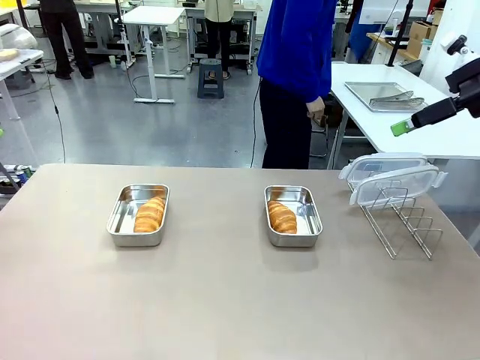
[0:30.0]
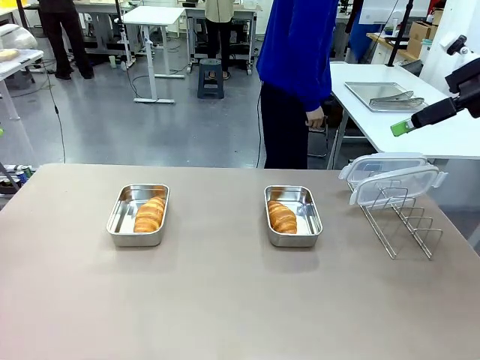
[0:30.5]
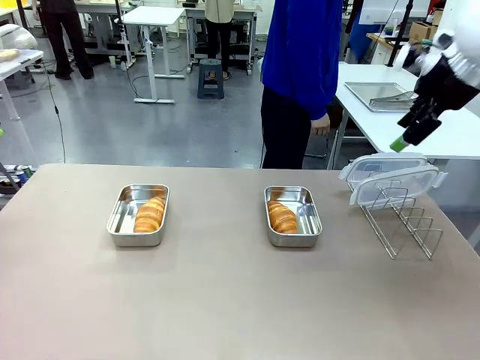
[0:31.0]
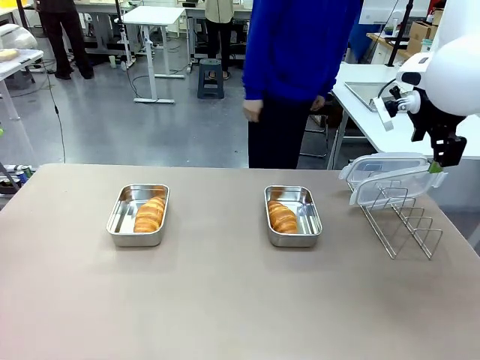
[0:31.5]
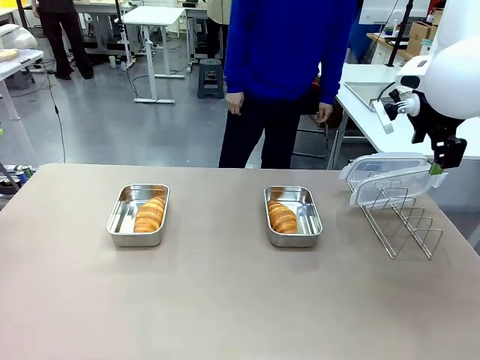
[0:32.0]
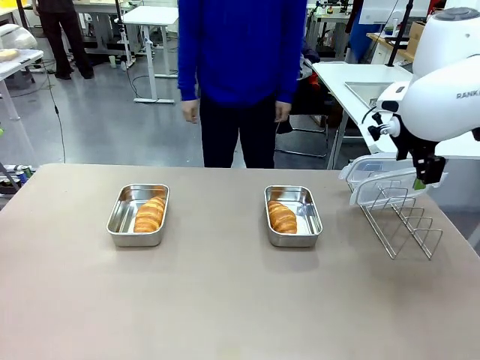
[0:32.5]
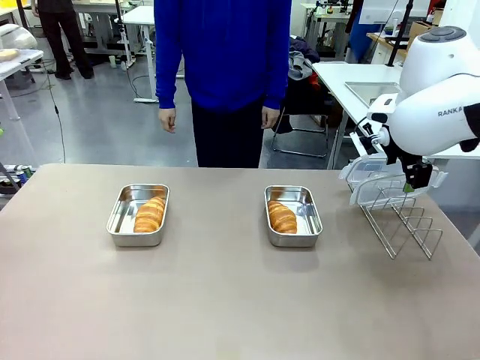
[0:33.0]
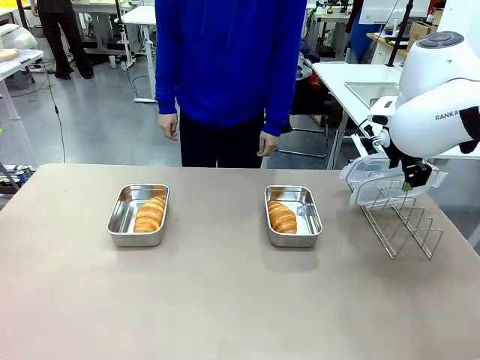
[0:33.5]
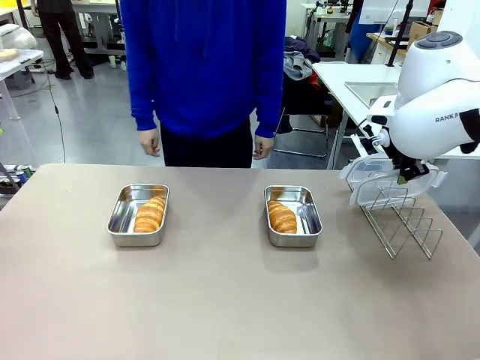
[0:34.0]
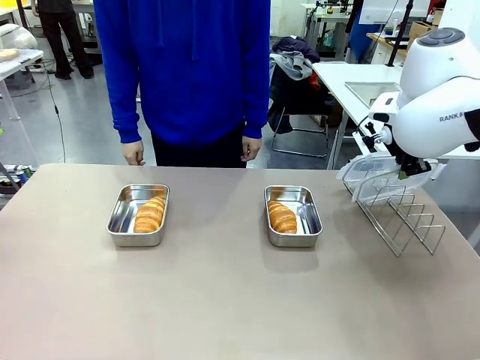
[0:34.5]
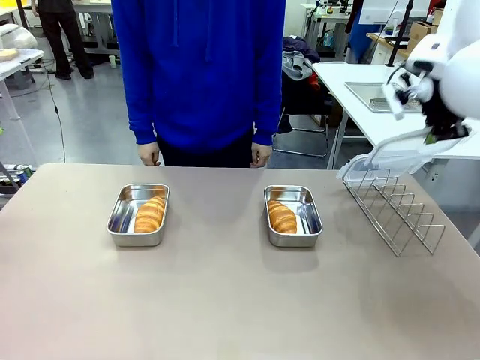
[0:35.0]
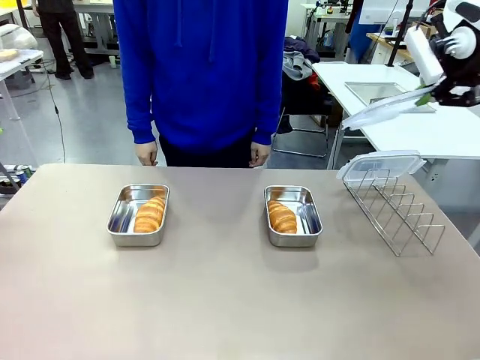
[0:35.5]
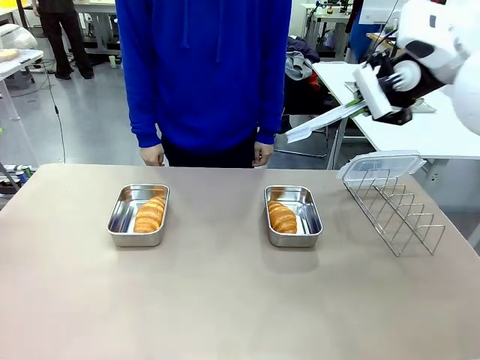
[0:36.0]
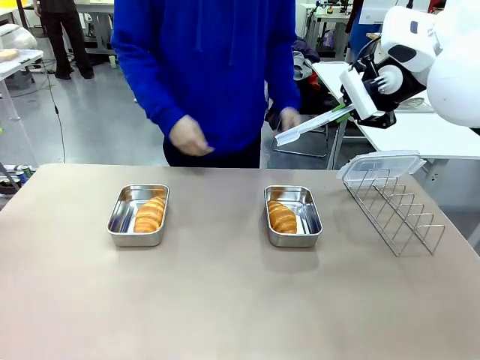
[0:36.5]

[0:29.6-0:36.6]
Task: Place the bread in airtight containers.
Robot: Pick up one Airtight Container lid and hand it to the human.
Person: Grip Airtight Container lid that robot is handing.

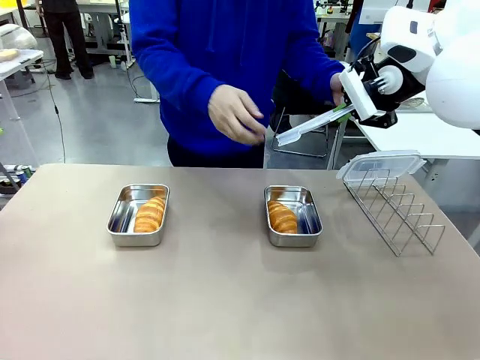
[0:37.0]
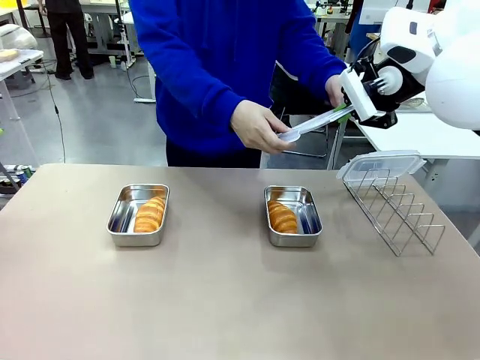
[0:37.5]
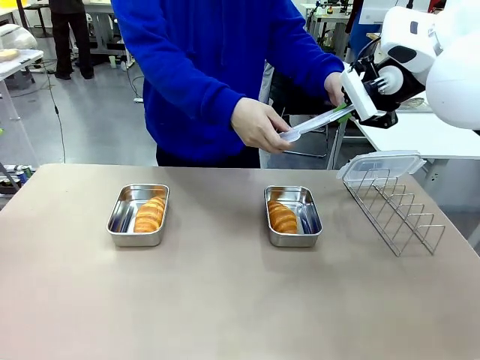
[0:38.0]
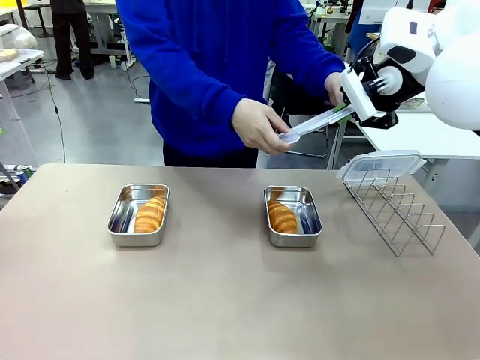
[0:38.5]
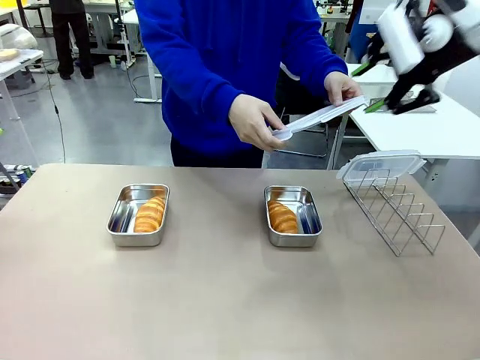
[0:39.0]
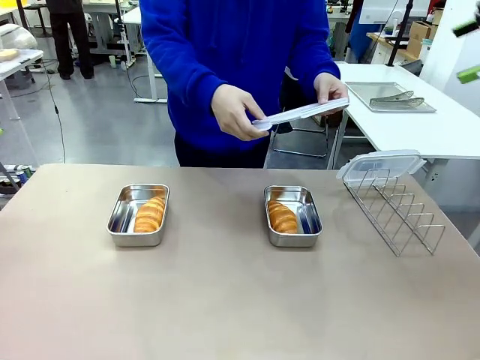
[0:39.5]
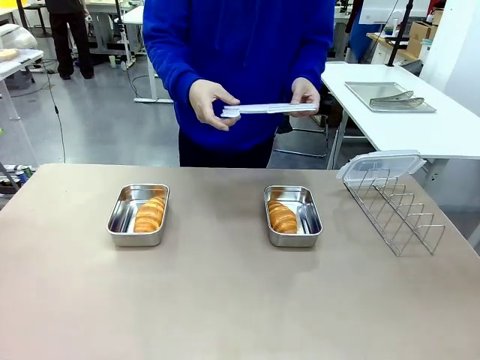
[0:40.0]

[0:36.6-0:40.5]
Robot: Release when the human grabs the Airtight Container lid.

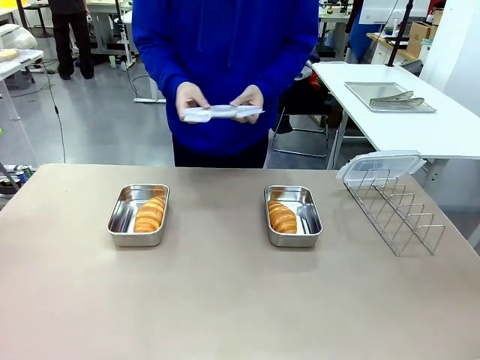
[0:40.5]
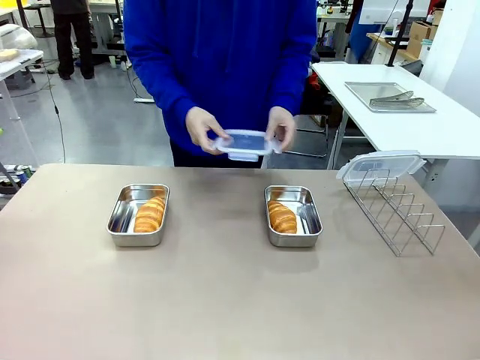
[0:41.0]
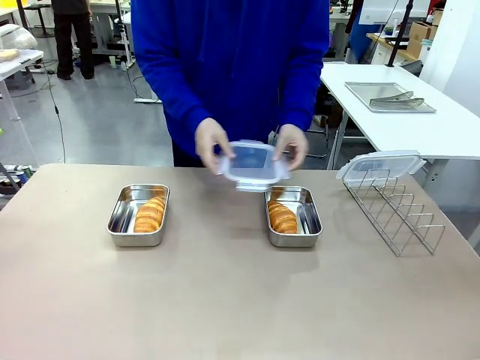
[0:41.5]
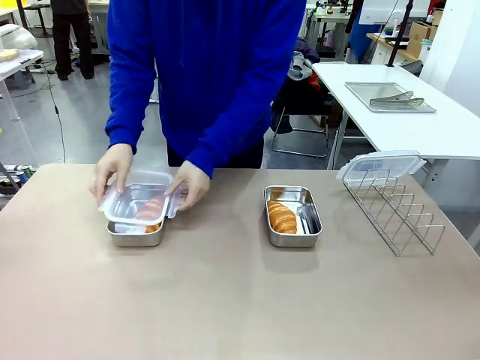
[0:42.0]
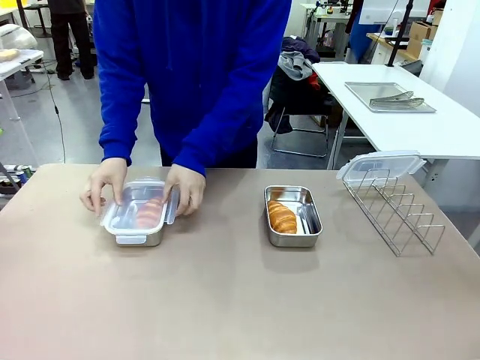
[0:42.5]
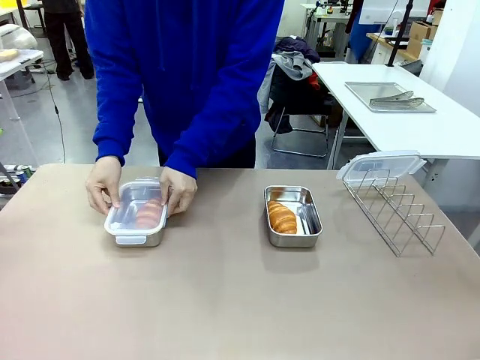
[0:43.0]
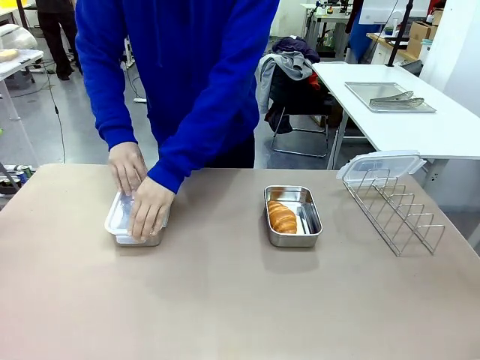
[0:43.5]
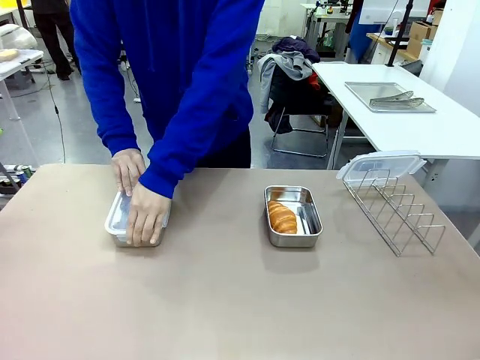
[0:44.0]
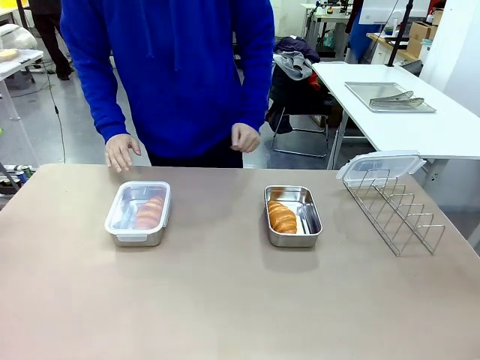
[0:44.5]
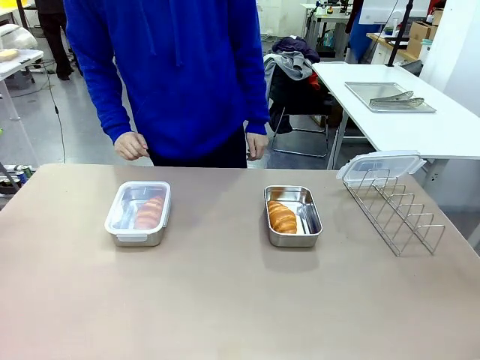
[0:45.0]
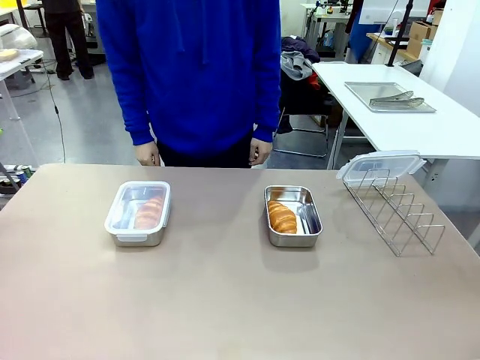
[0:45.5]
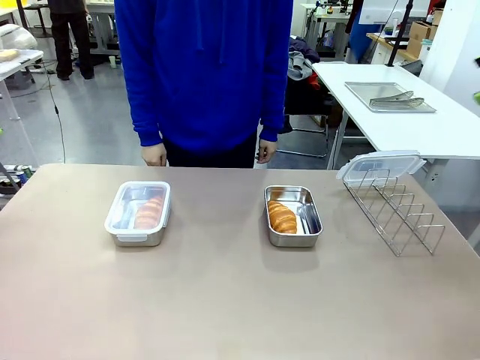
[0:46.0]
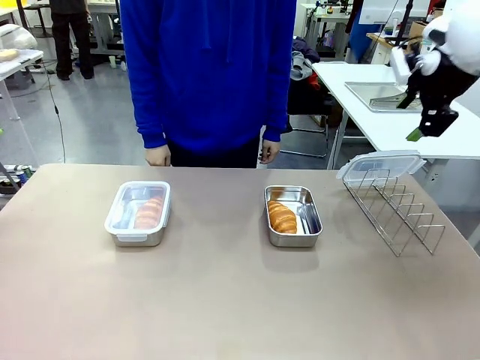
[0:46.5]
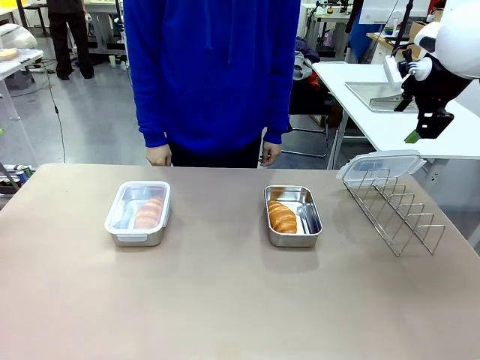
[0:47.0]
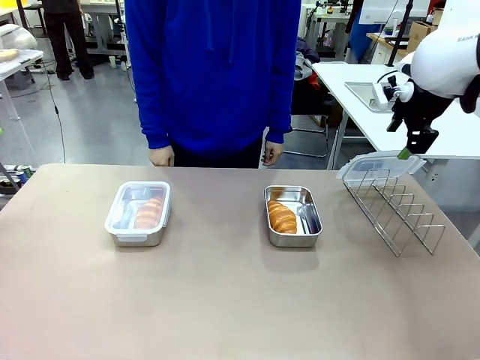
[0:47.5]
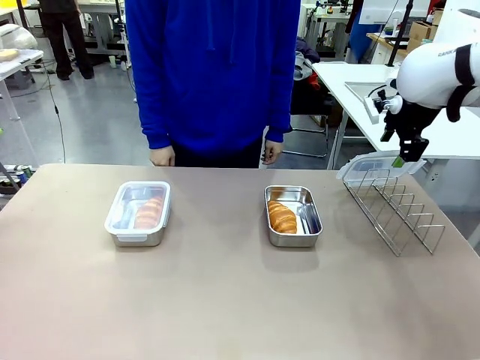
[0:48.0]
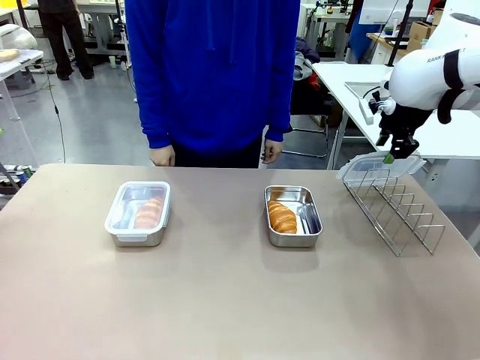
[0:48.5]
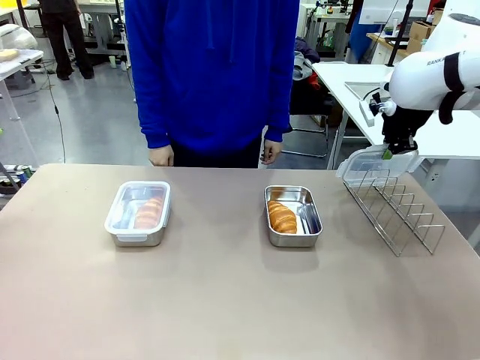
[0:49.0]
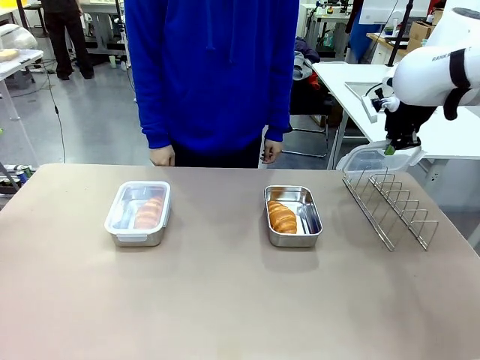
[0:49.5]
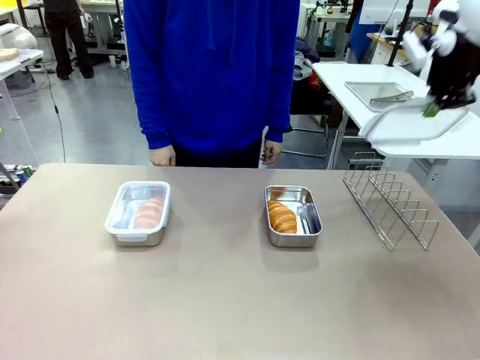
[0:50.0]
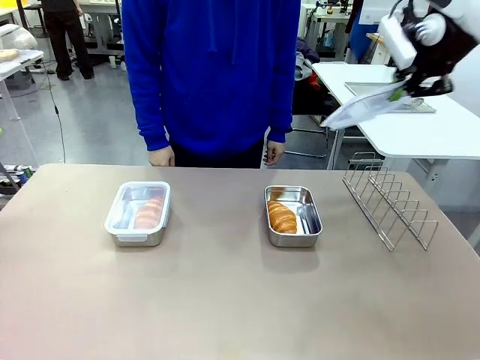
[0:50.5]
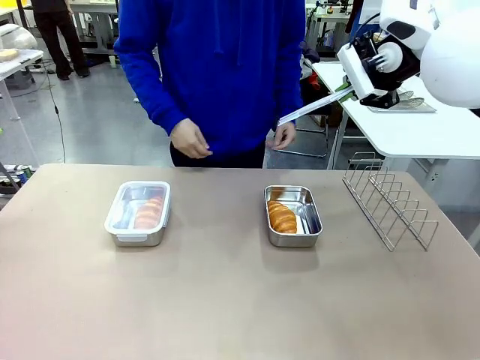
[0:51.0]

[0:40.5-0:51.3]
Robot: Pick up one Airtight Container lid and hand it to the human.
Person: Close Airtight Container with a handed Airtight Container lid. Grip Airtight Container lid that robot is handing.

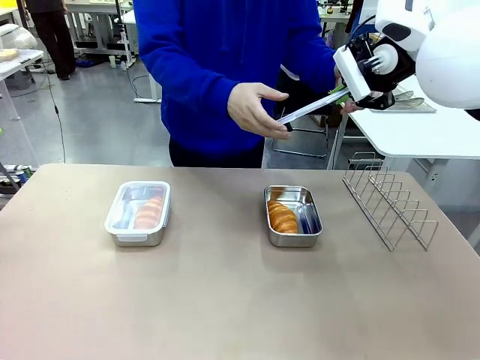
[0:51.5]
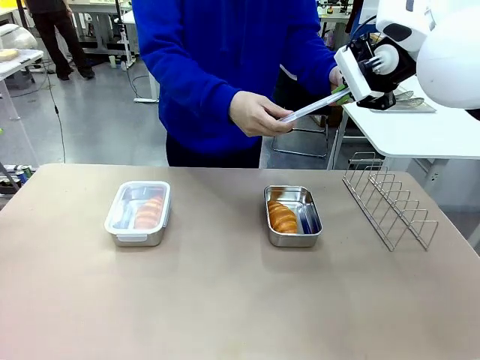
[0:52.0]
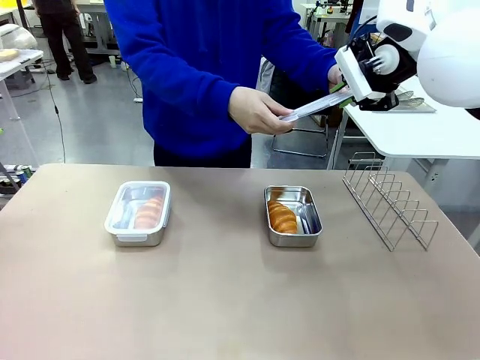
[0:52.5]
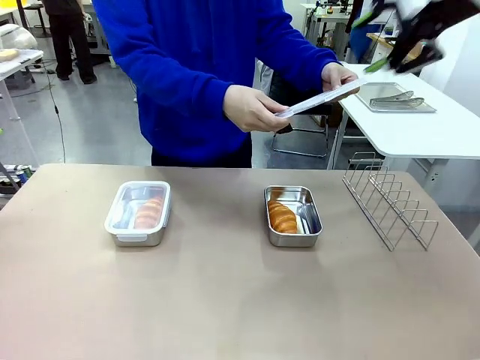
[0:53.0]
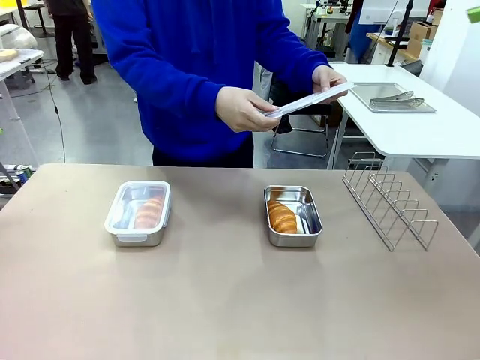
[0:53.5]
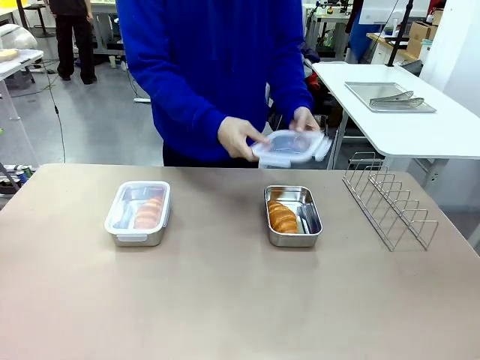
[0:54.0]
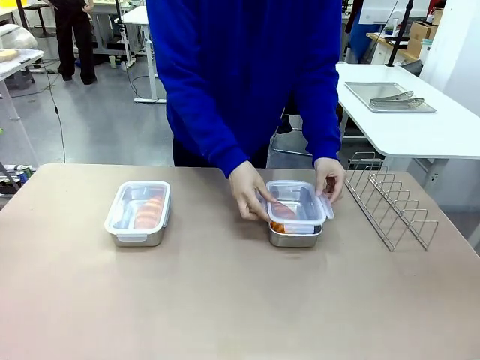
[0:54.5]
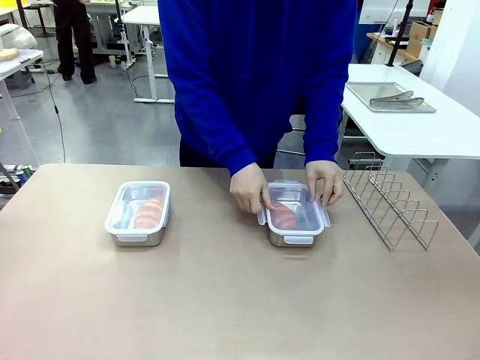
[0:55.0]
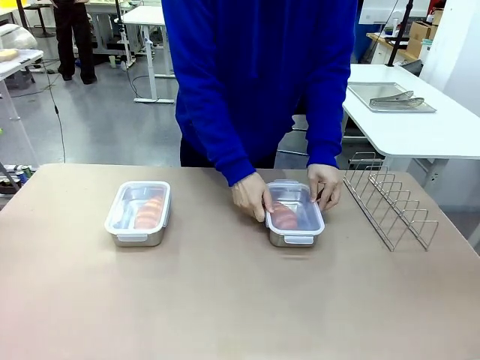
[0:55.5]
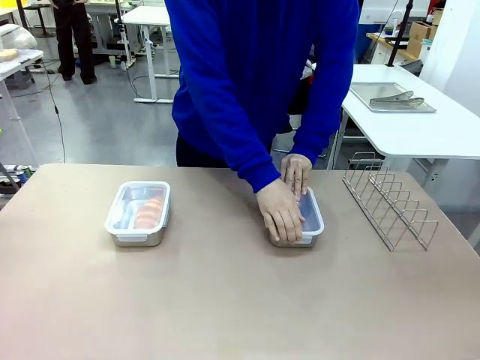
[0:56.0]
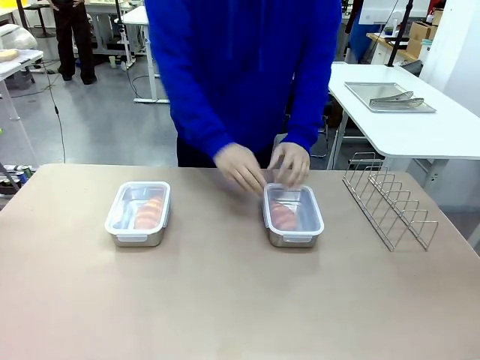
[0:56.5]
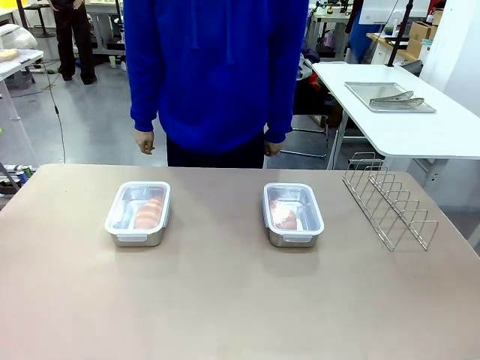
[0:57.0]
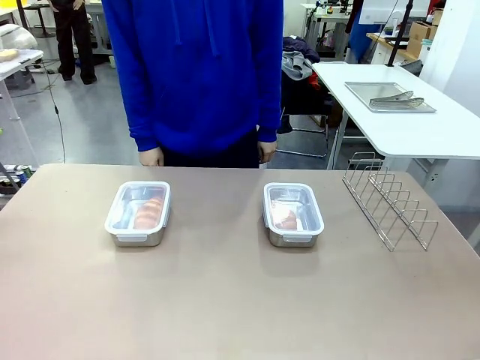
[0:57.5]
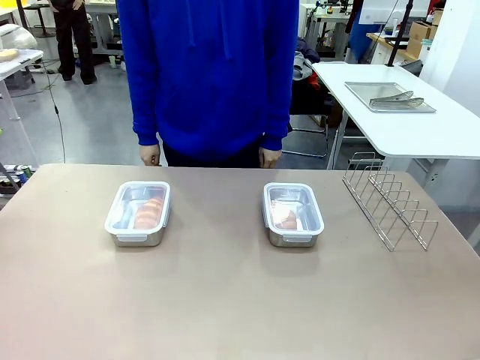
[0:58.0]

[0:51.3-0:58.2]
Robot: Release when the human grabs the Airtight Container lid.
Person: Close Airtight Container with a handed Airtight Container lid.
